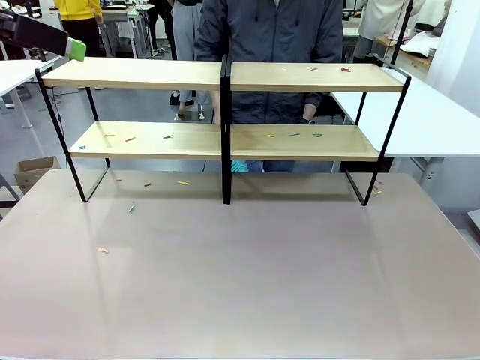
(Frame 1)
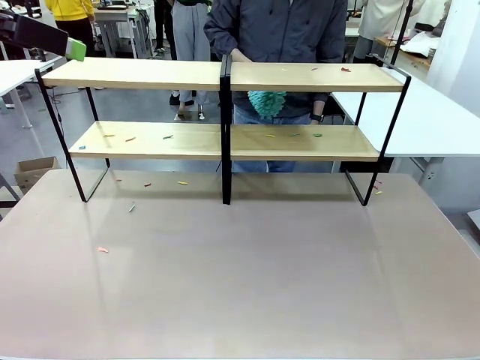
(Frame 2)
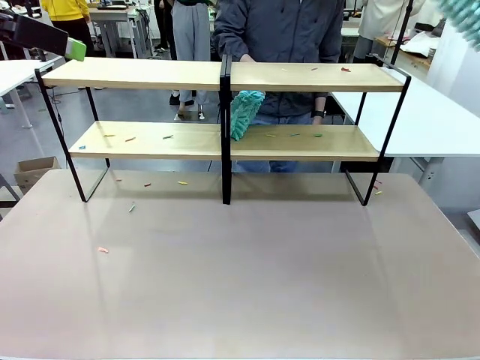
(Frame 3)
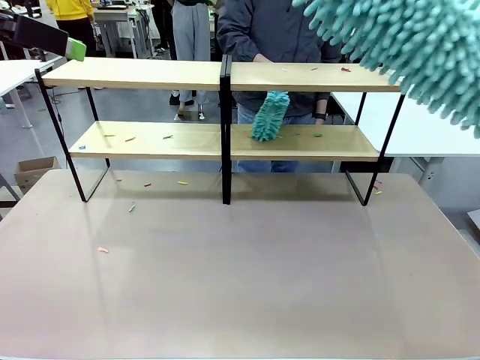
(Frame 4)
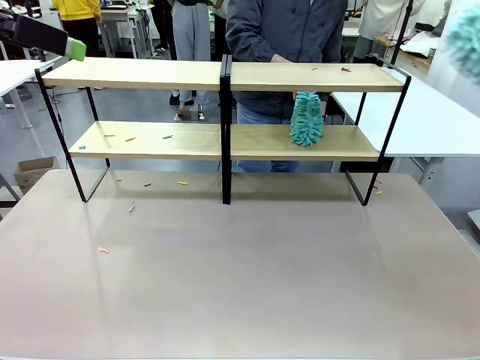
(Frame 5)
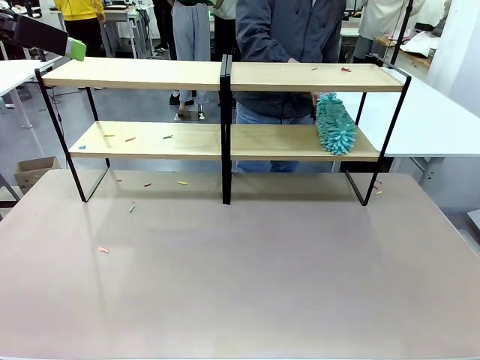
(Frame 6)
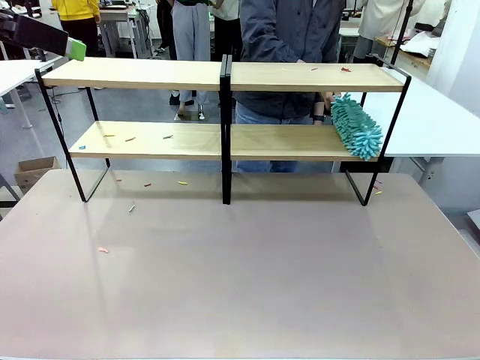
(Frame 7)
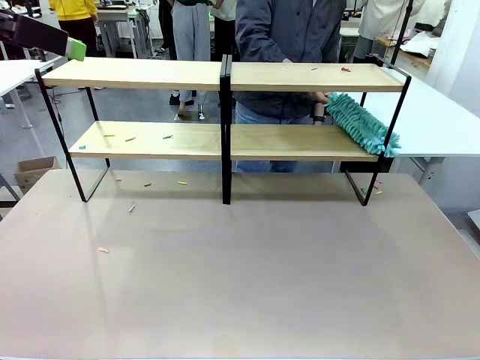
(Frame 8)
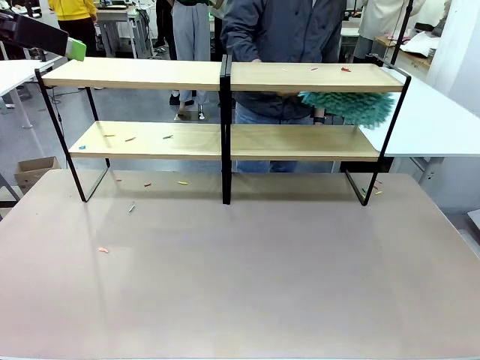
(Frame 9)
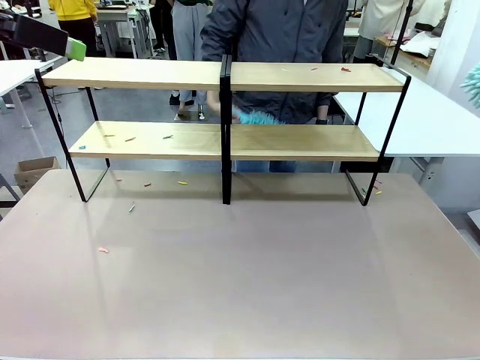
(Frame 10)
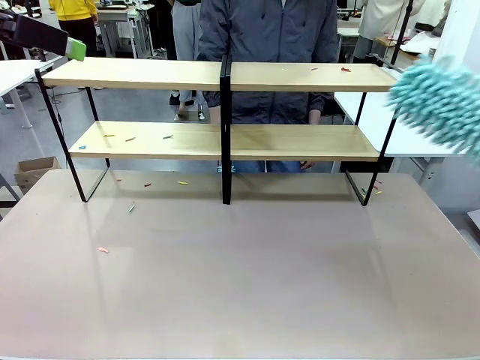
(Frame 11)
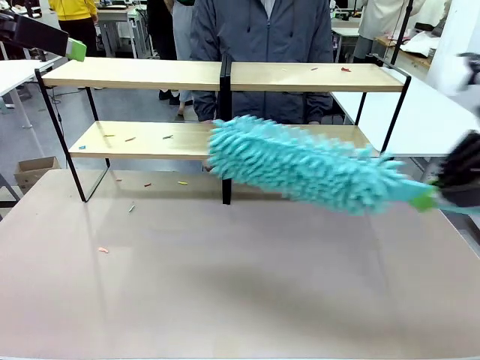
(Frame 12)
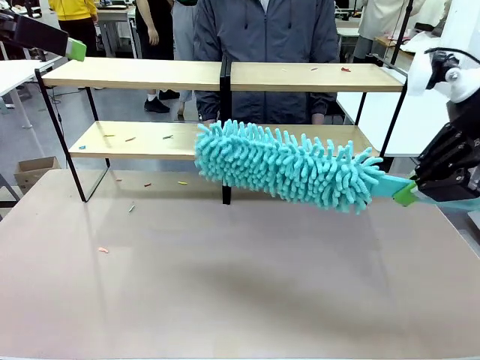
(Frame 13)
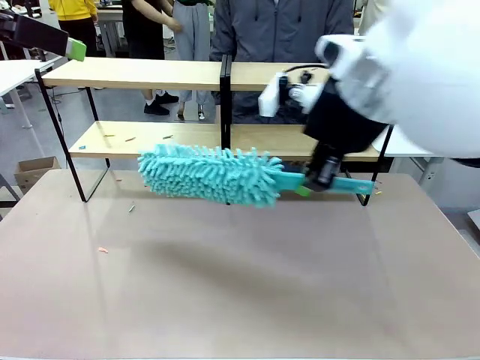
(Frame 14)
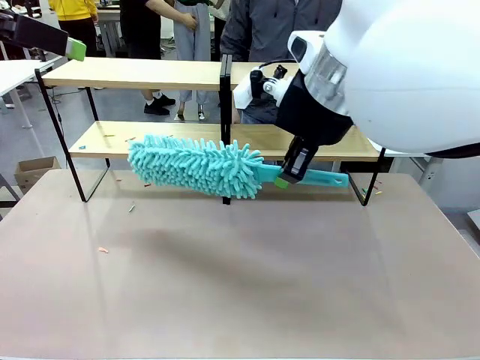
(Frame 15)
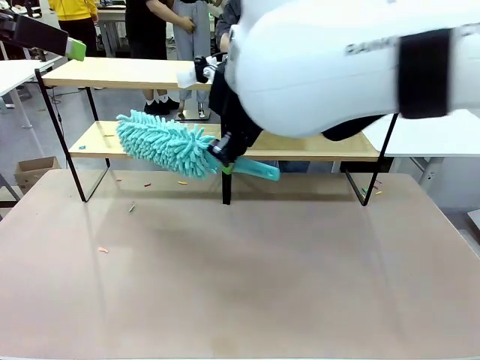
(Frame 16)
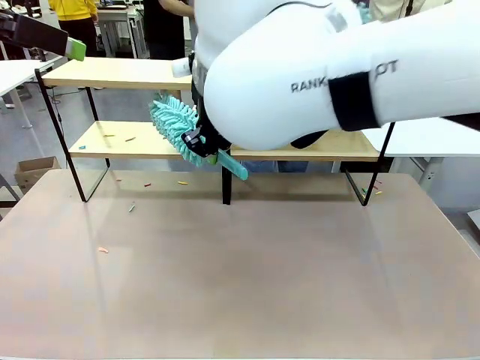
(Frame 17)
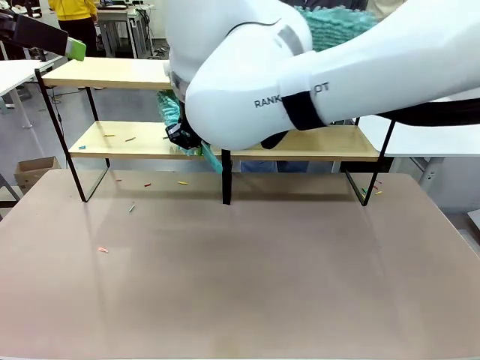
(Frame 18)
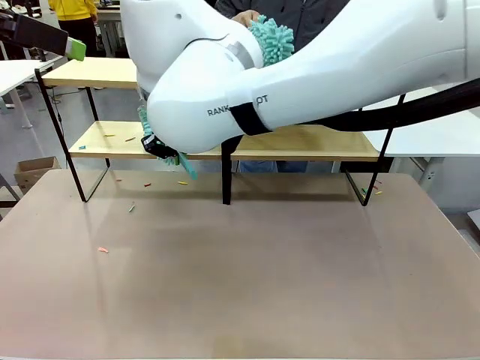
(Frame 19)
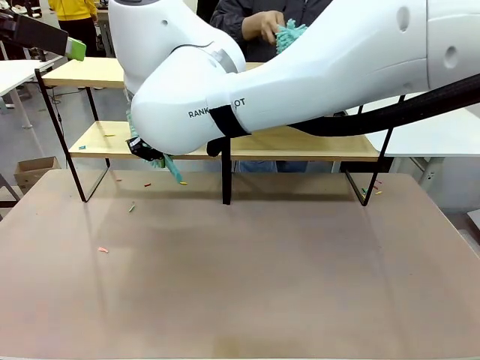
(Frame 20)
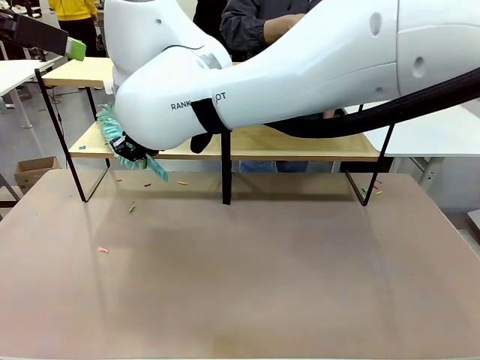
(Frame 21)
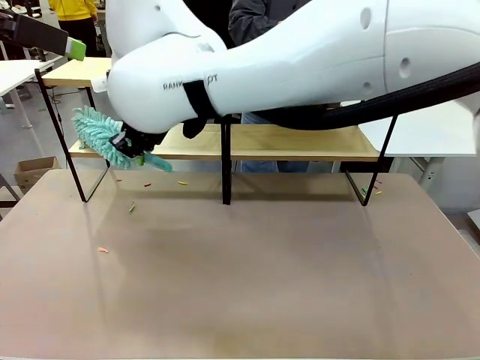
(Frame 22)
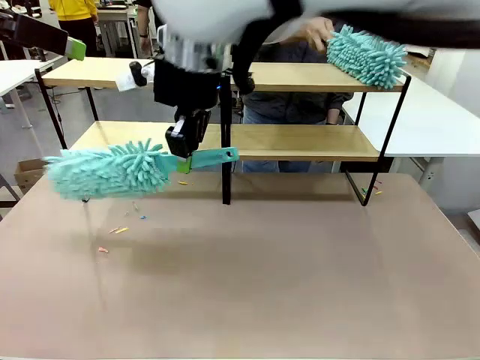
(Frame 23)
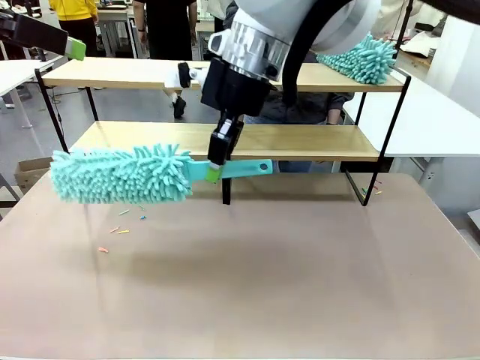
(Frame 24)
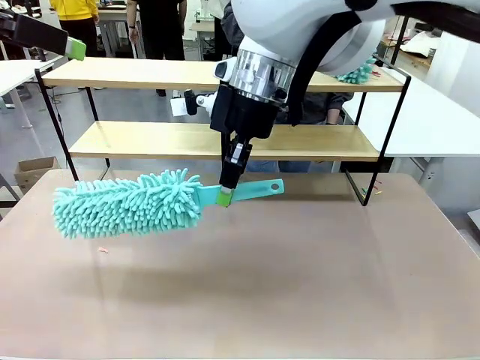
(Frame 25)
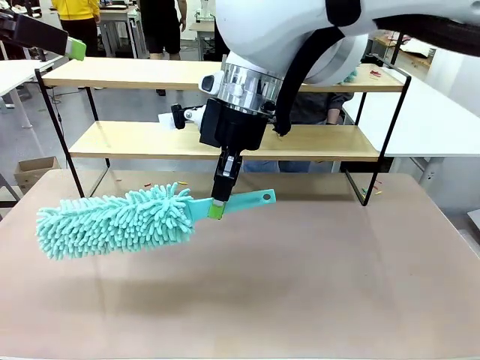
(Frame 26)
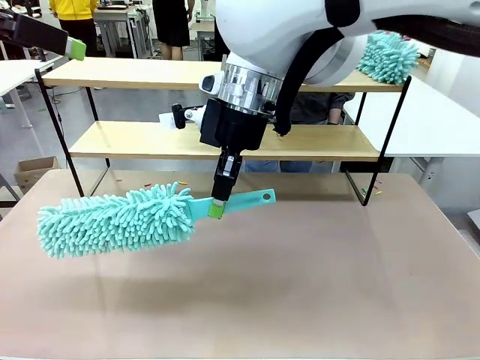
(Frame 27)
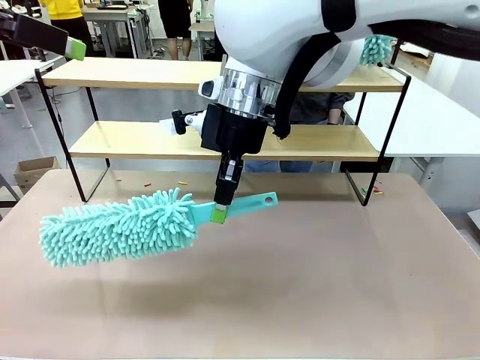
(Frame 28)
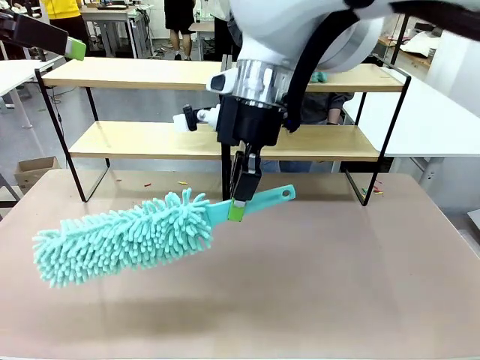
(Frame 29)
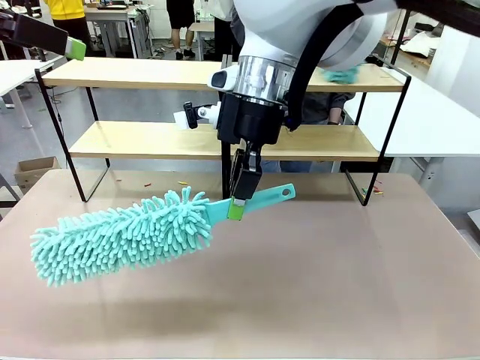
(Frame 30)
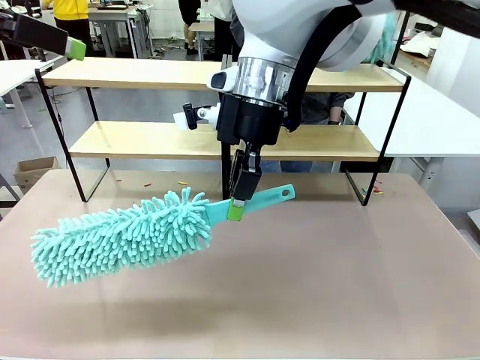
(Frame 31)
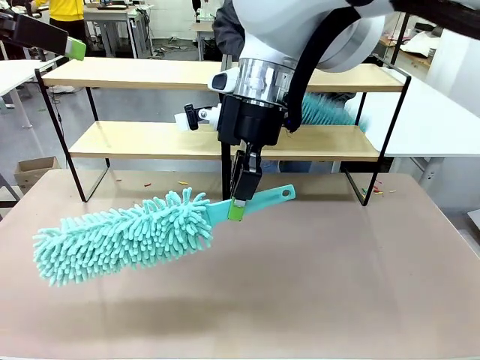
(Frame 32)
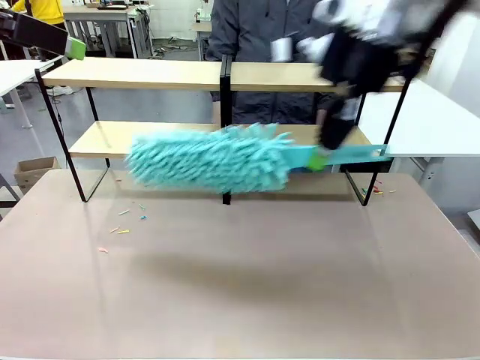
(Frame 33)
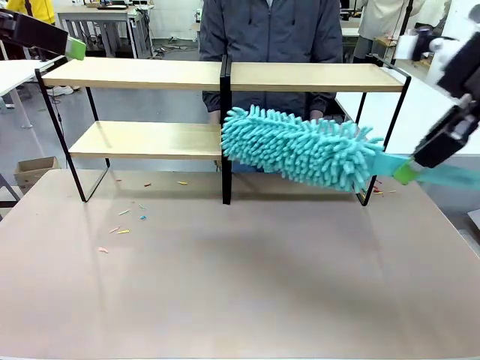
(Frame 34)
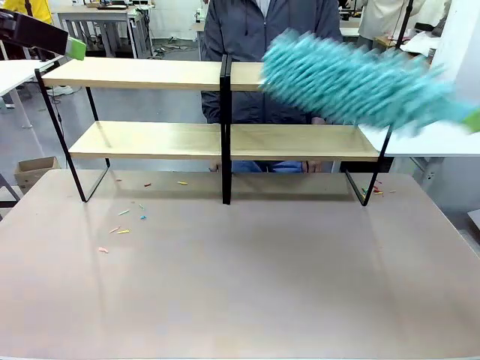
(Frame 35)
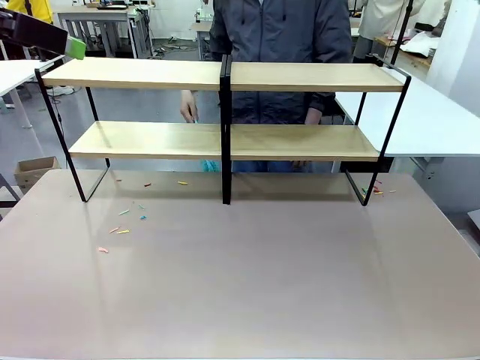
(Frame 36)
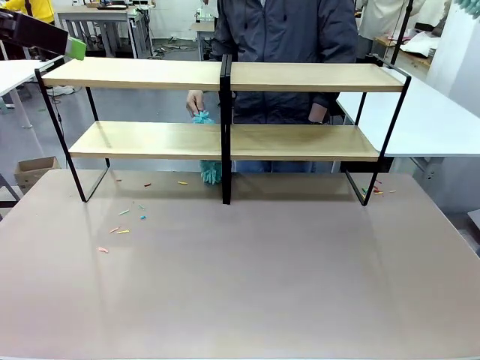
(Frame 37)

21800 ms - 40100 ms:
Task: Clean the shelves.
Robot: Clean another randomly selected level of the Shelf with the Duster.
Person: Clean a randomly selected level of the Shelf with the Duster.

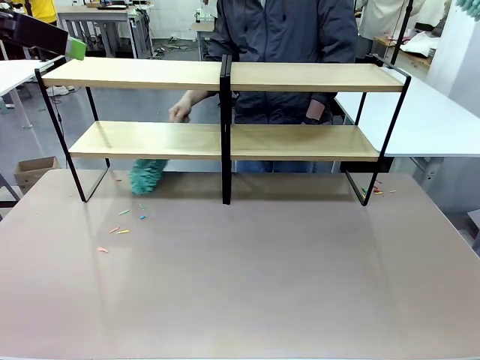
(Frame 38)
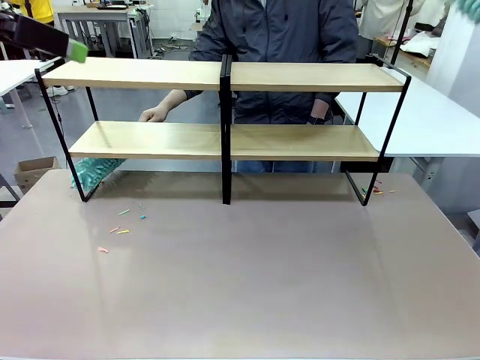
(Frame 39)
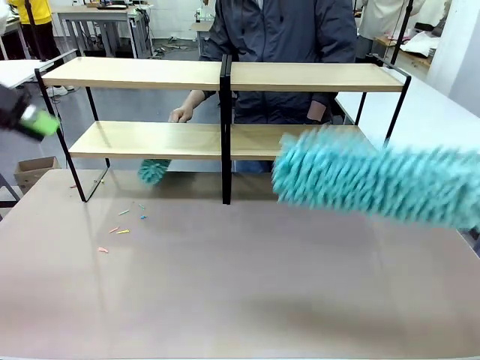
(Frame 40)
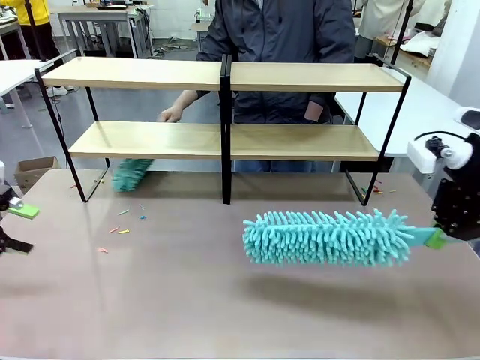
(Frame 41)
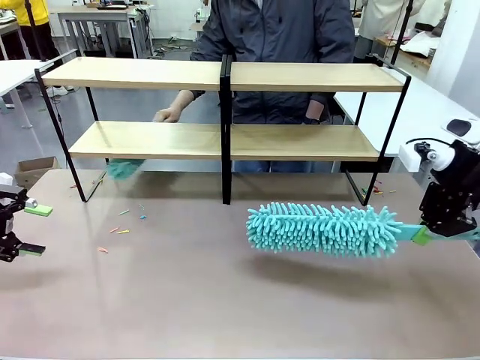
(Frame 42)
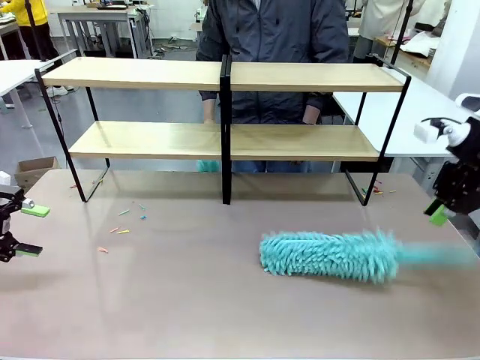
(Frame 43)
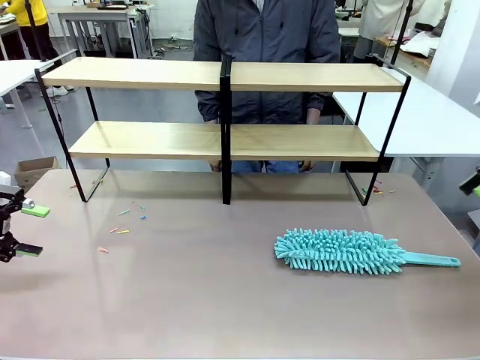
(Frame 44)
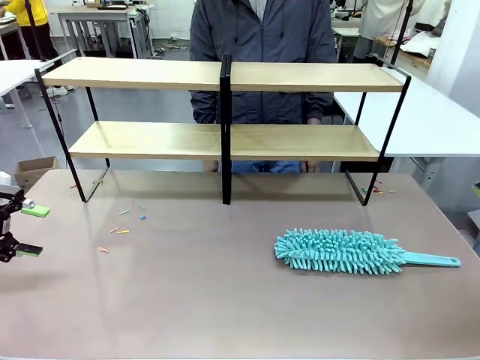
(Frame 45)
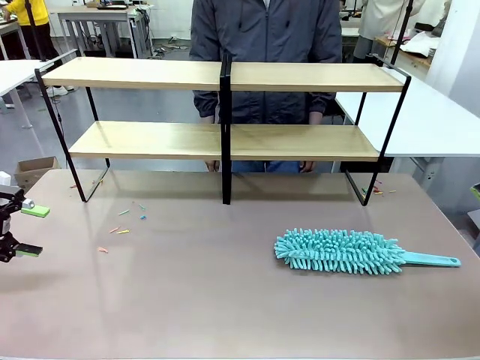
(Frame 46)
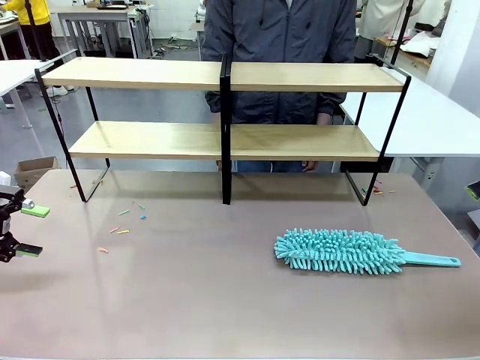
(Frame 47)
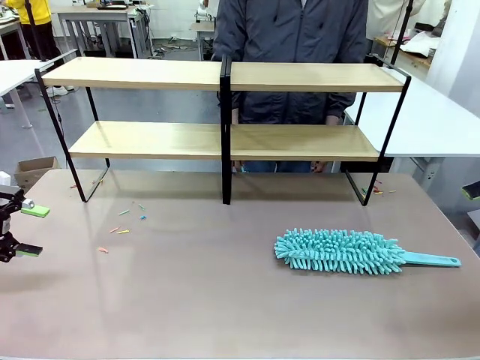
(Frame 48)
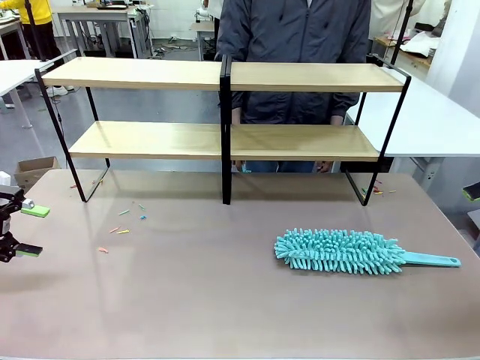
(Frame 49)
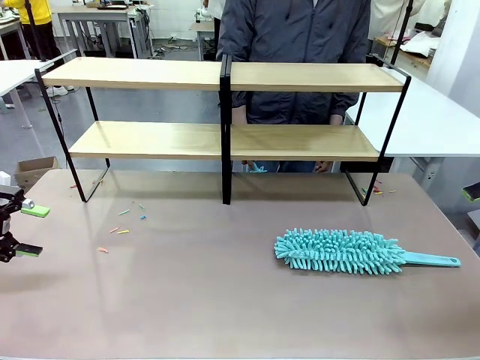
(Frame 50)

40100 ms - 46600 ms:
Robot: Place the Duster on the table.

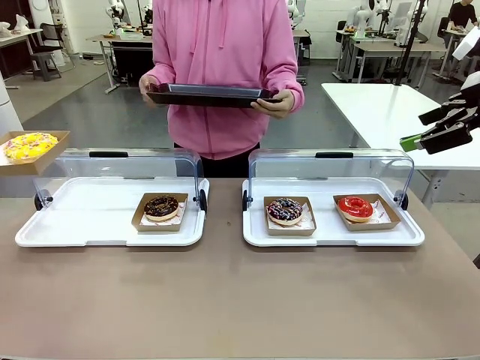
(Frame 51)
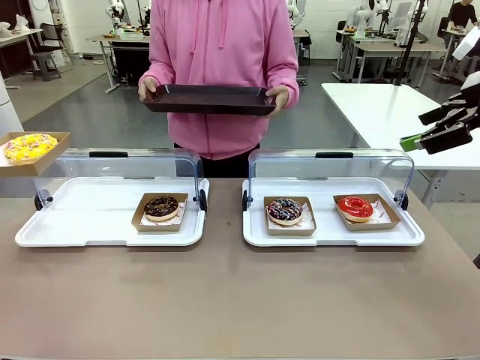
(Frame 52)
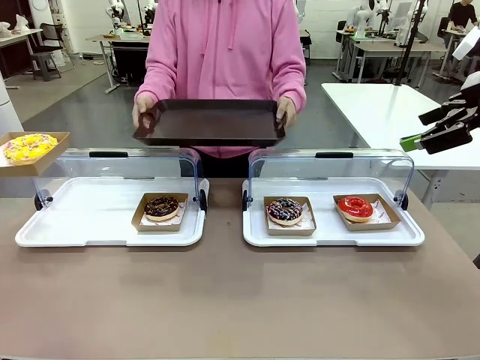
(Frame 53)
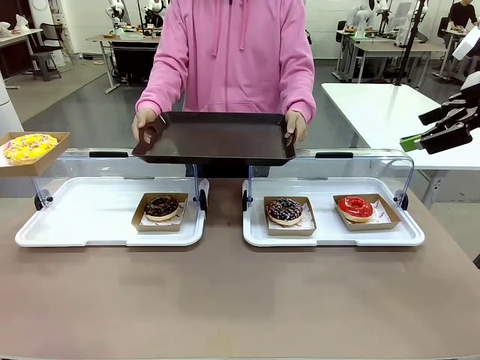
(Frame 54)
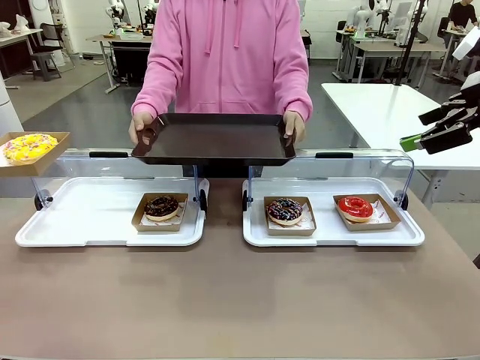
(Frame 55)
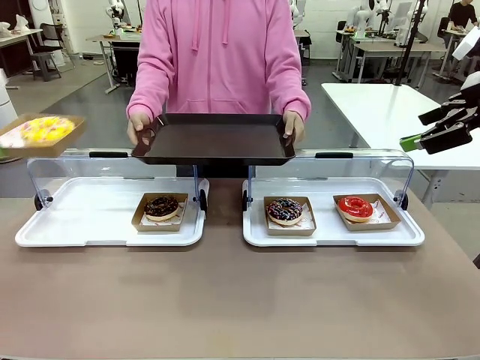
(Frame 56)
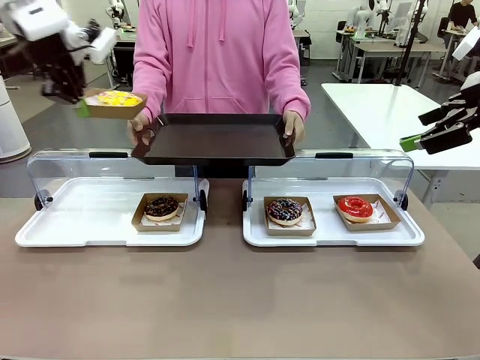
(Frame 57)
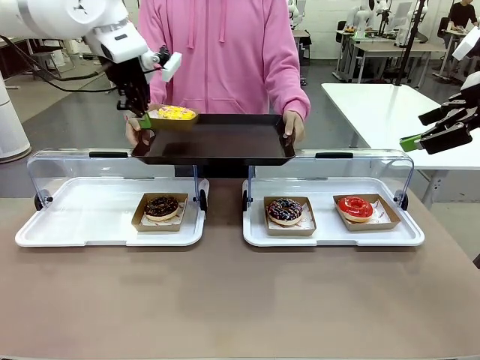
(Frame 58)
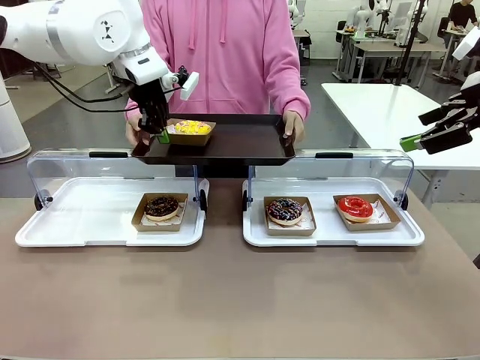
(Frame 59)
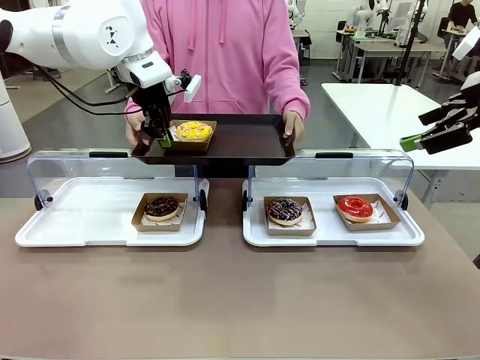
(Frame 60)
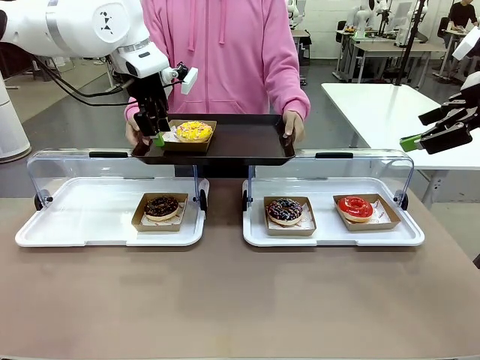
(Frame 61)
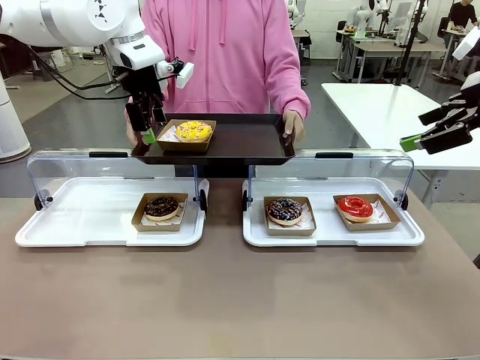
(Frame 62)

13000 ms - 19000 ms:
Task: Provide the desired donut to the person.
Robot: Place the picked Paper togo box onto the Handle tray extended by the person.
